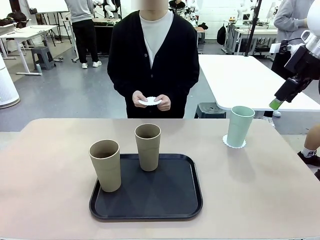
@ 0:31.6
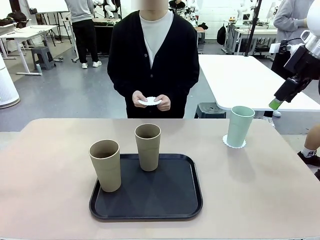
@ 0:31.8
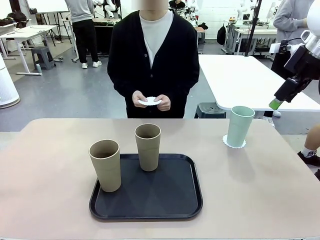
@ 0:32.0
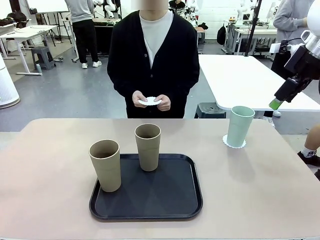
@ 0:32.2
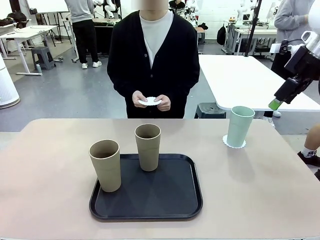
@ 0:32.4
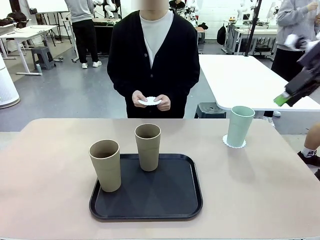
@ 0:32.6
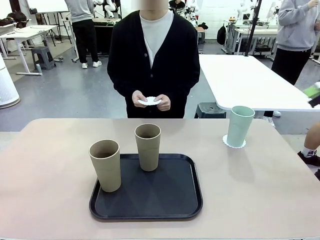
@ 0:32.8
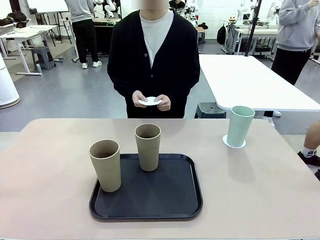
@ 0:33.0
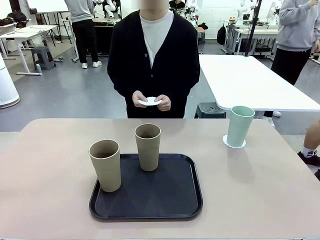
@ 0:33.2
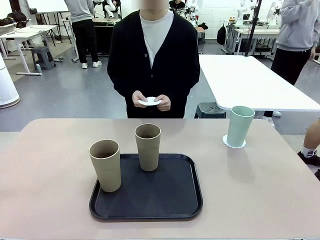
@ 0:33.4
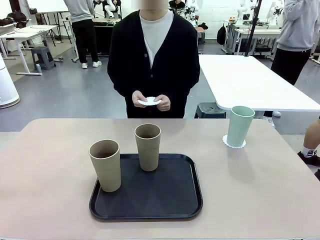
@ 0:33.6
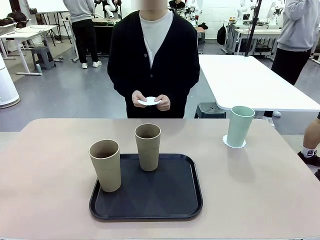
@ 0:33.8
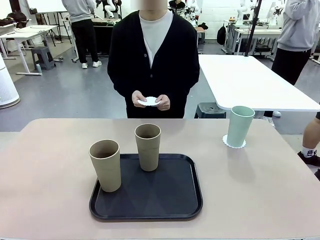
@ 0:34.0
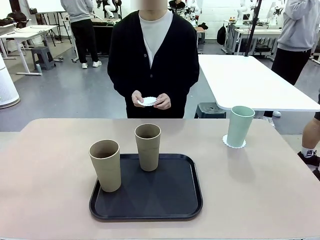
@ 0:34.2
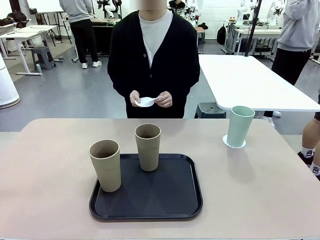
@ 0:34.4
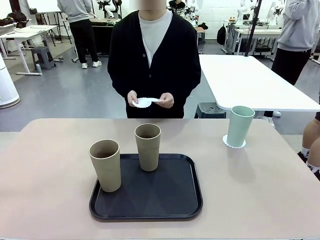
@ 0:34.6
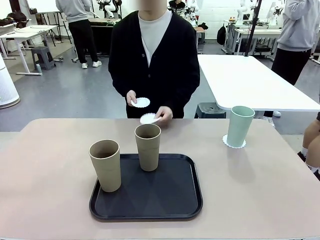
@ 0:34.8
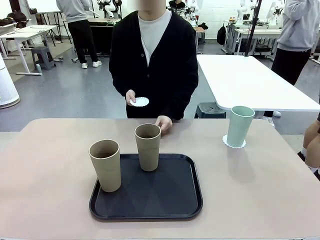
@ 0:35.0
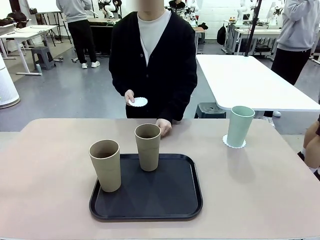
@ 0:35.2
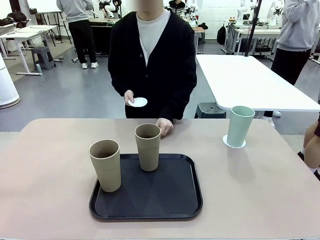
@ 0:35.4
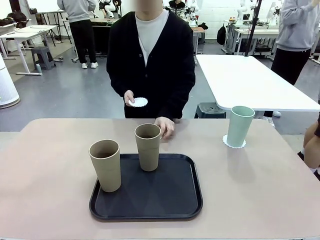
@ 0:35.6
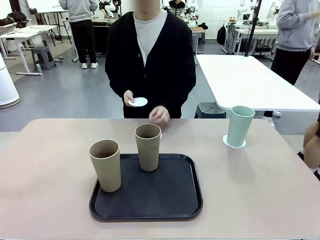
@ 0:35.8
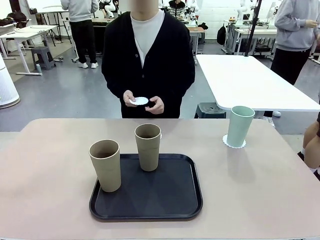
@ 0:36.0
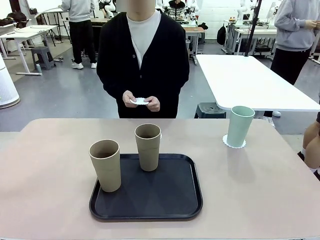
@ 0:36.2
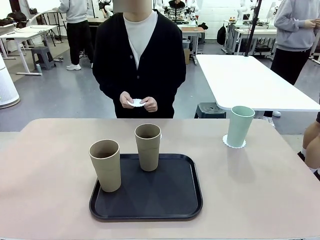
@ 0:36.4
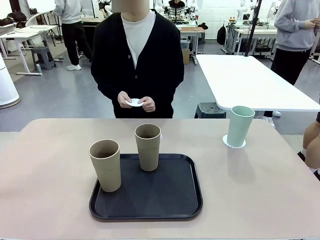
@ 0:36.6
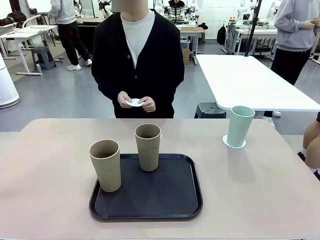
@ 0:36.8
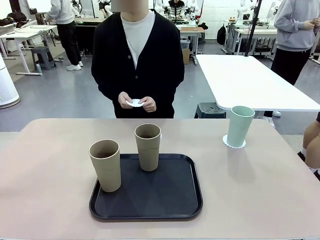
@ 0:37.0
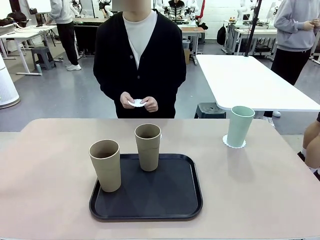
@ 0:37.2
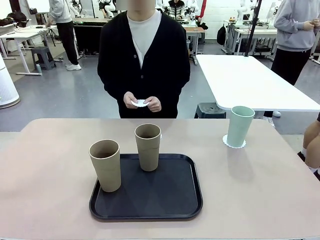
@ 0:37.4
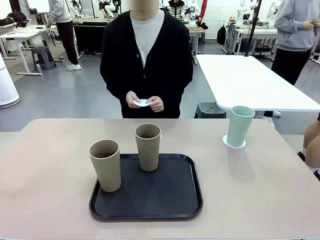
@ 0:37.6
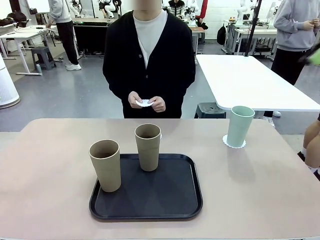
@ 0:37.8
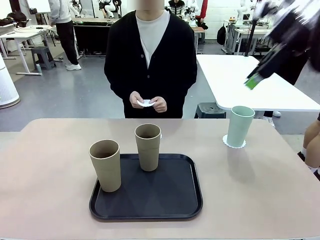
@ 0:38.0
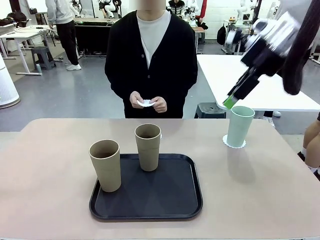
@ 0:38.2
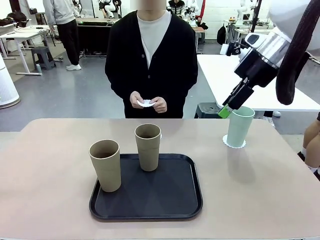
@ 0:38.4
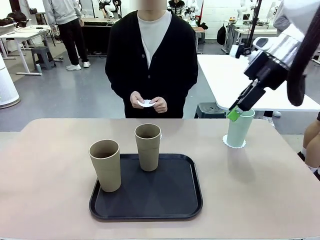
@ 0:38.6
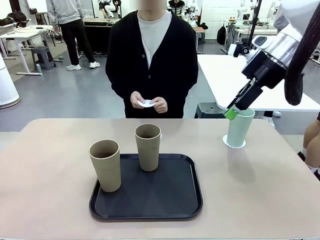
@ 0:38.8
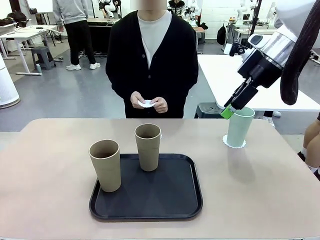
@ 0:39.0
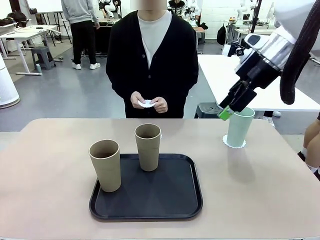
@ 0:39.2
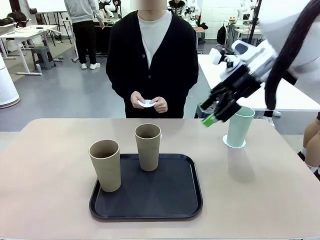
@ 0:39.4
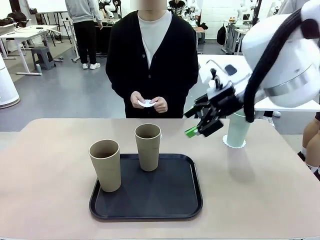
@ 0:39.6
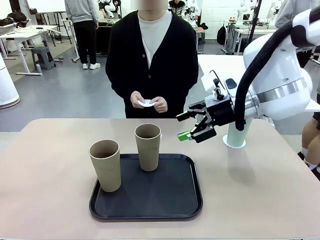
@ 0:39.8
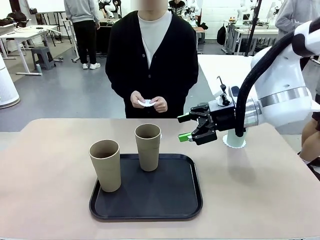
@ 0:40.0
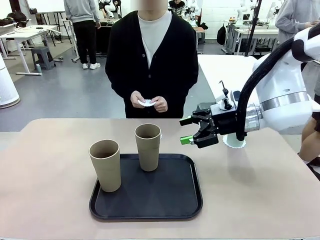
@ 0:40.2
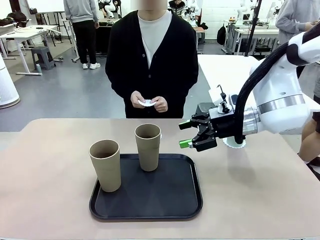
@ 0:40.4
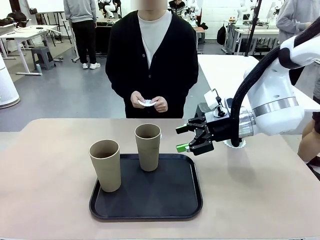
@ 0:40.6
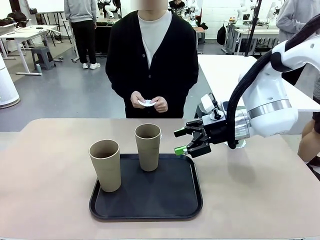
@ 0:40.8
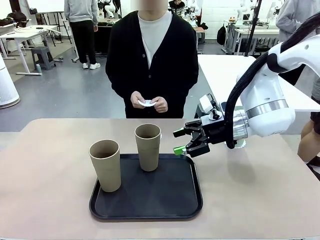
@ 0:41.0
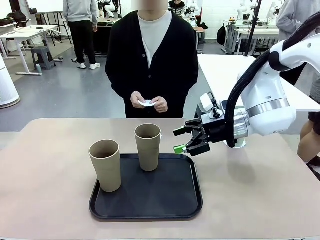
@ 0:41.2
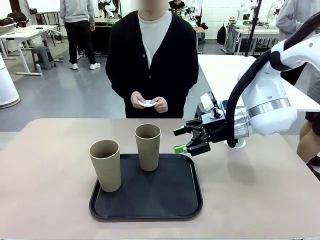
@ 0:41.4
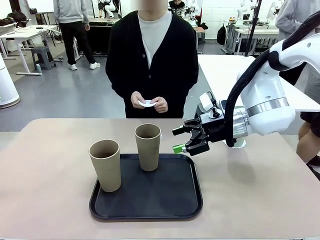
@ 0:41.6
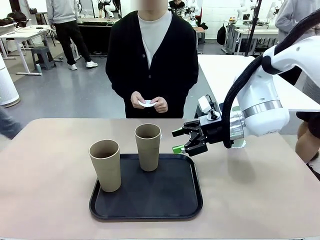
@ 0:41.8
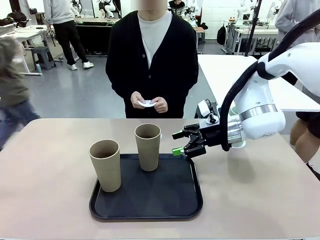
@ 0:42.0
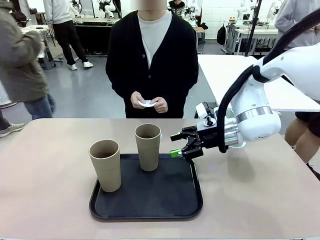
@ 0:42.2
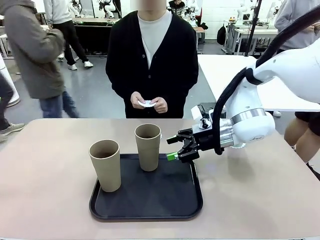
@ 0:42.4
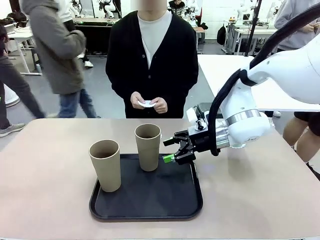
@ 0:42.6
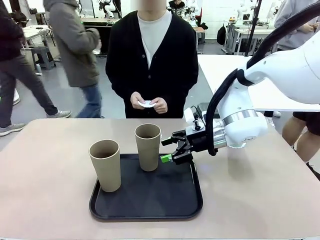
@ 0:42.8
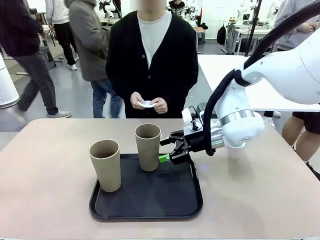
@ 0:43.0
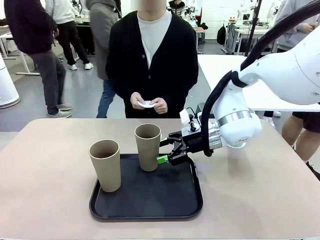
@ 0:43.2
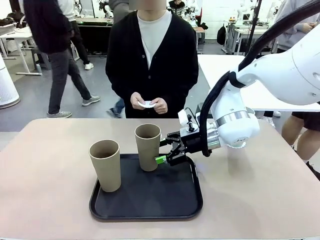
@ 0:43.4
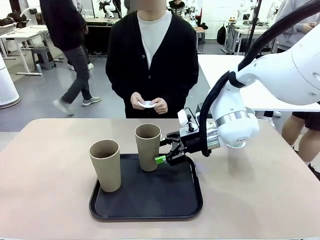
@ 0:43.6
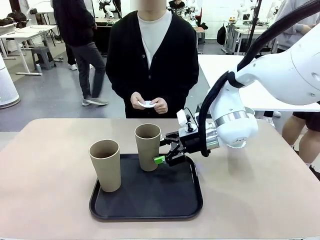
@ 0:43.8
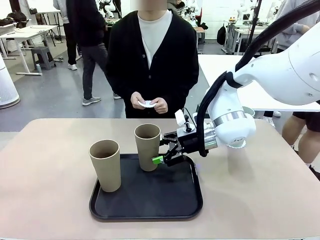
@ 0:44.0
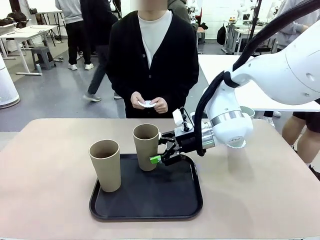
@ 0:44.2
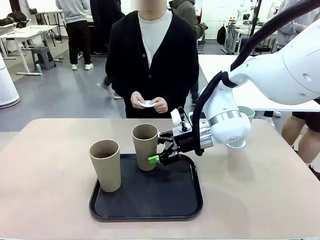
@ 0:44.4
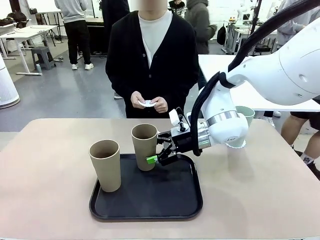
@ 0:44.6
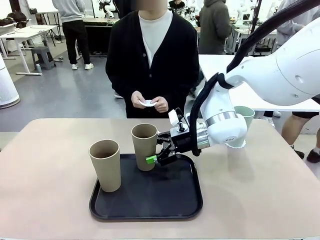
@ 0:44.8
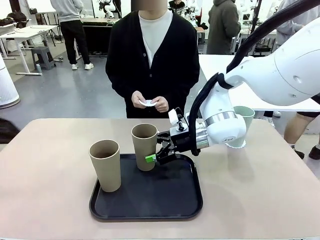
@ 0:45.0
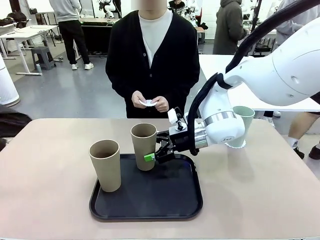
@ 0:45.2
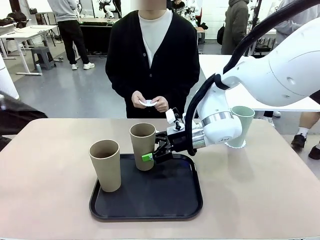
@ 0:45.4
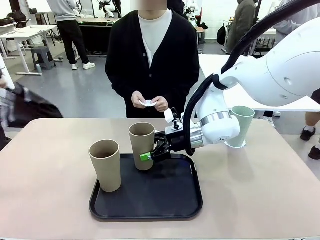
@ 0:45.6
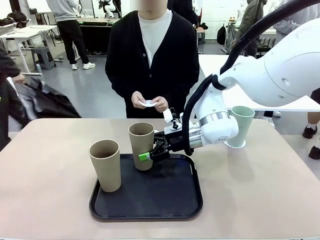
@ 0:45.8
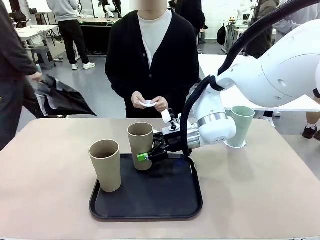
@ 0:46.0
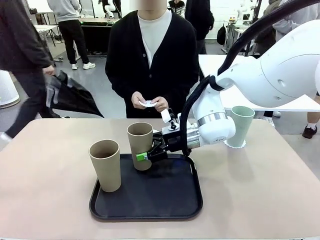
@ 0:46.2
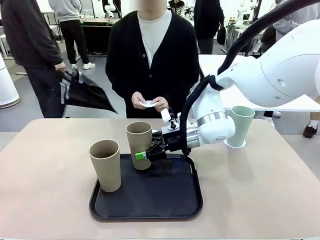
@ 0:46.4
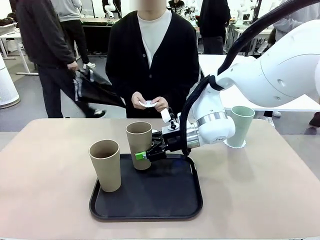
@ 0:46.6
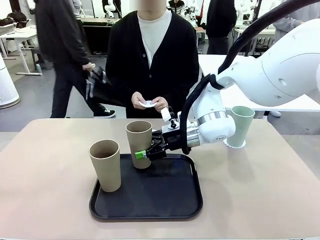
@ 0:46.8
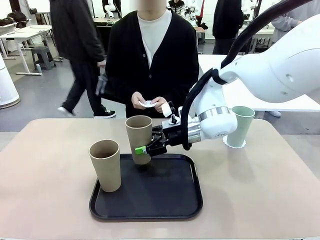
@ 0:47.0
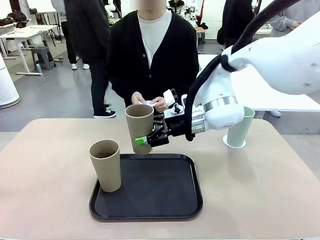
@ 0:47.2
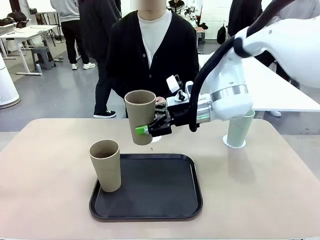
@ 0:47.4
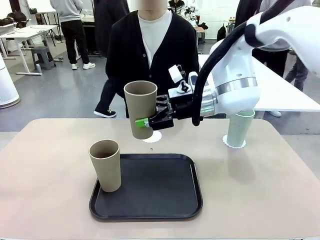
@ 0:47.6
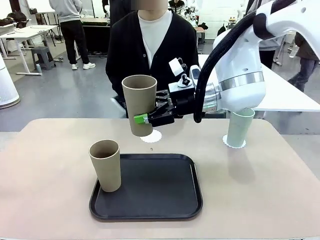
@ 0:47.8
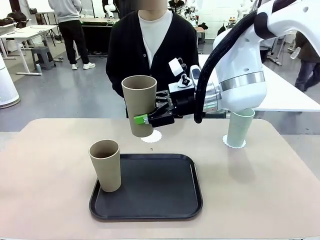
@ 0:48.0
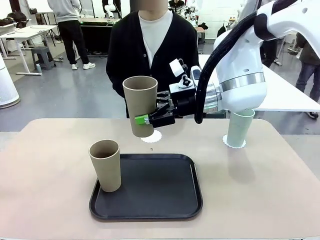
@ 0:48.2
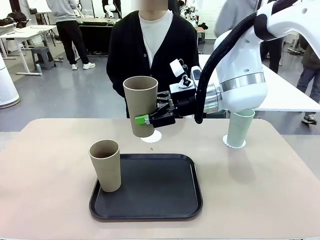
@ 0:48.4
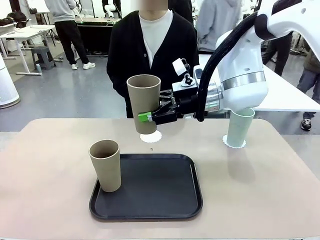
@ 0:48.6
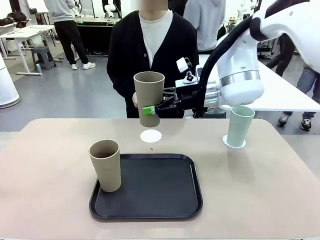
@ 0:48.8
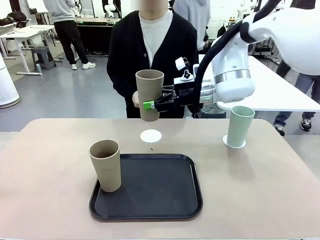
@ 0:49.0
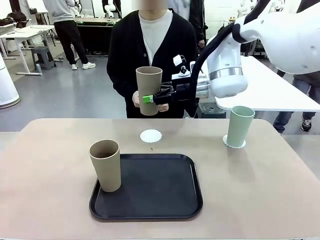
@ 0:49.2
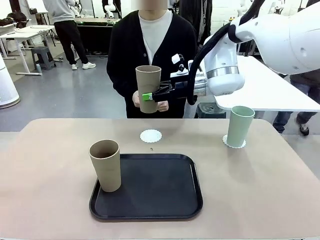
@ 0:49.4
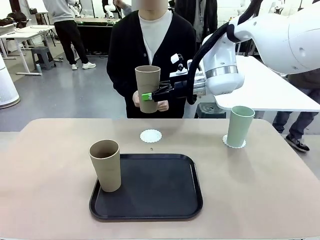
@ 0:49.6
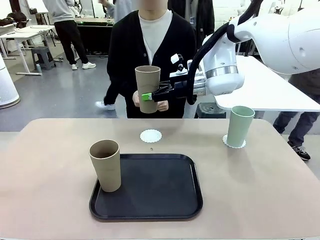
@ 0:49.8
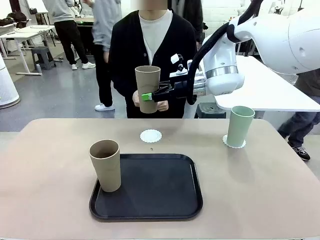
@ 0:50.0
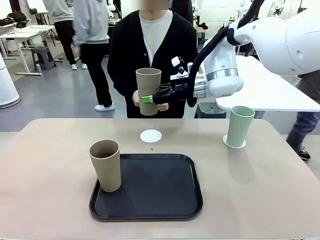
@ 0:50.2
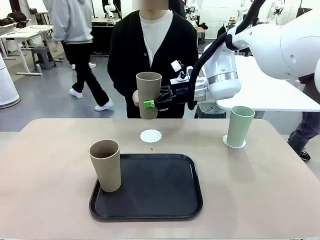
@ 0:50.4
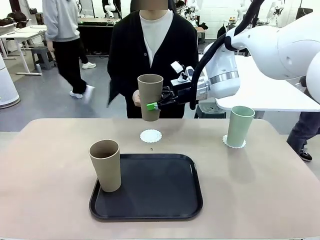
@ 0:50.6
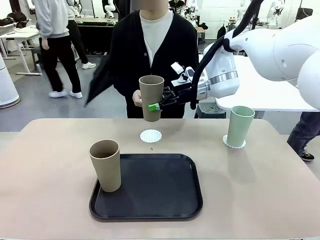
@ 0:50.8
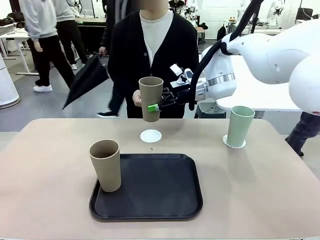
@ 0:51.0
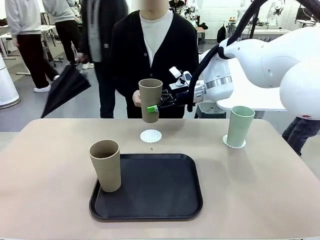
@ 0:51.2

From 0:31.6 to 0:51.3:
Task: Place coasters on the table and set cups on them.
Robot: Take one Reusable plastic cup from the Flat Tray and place it on a coaster set by the human.
